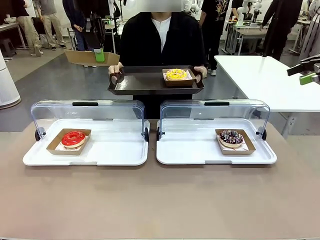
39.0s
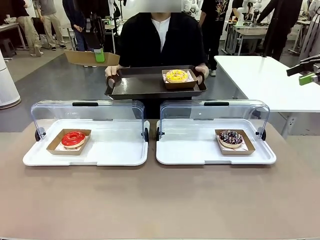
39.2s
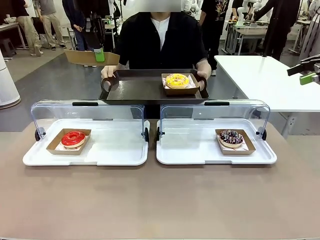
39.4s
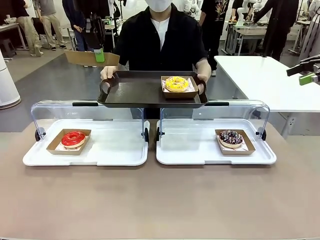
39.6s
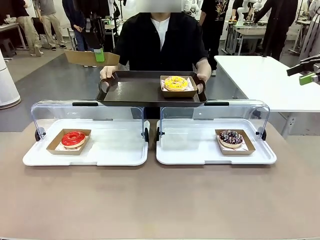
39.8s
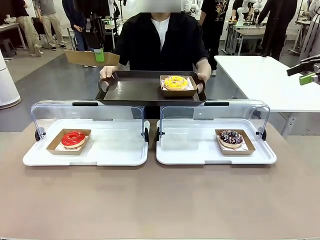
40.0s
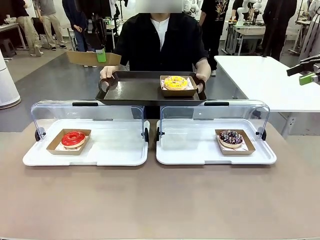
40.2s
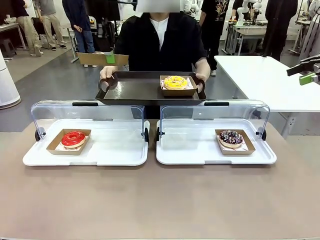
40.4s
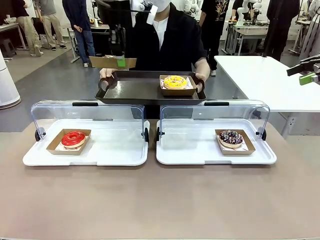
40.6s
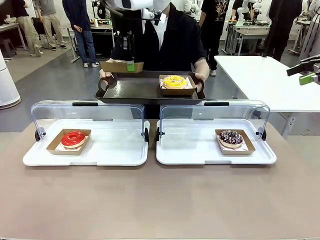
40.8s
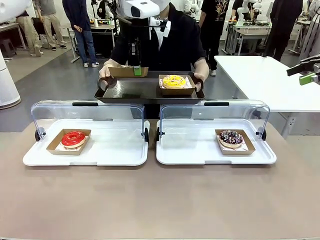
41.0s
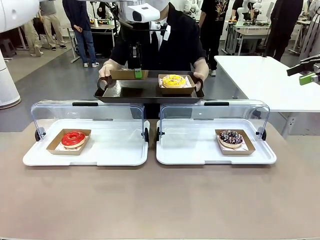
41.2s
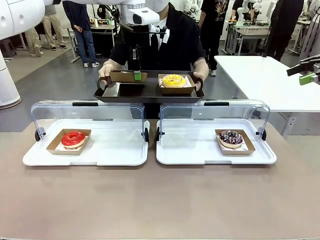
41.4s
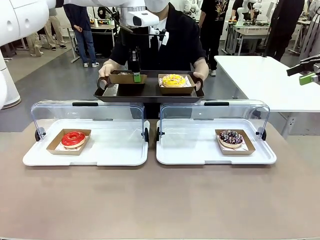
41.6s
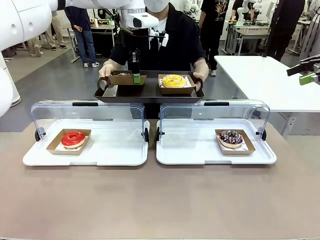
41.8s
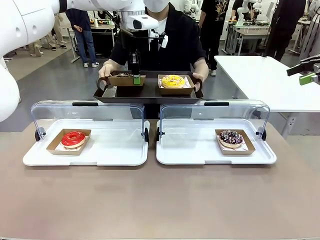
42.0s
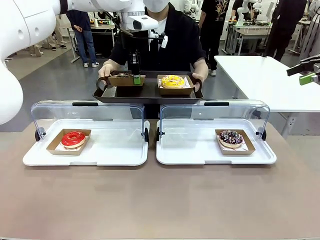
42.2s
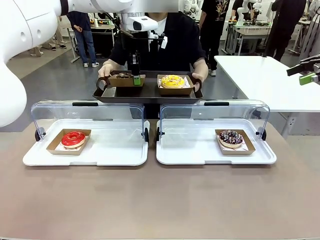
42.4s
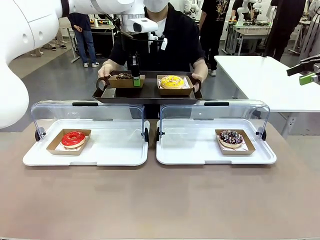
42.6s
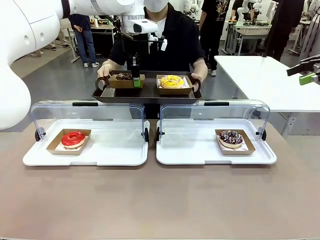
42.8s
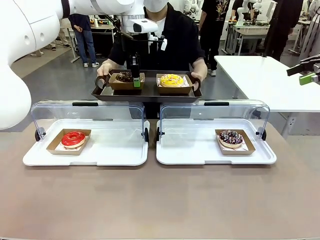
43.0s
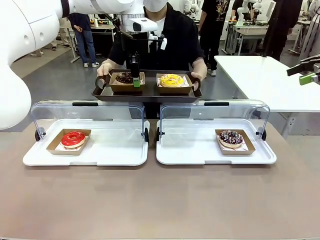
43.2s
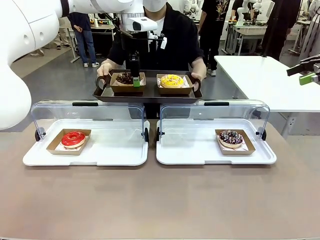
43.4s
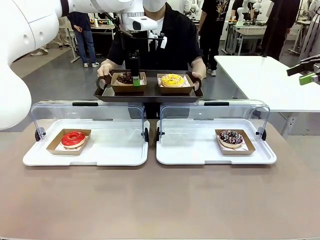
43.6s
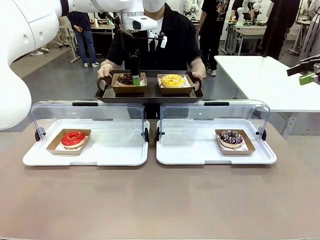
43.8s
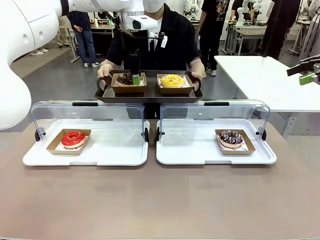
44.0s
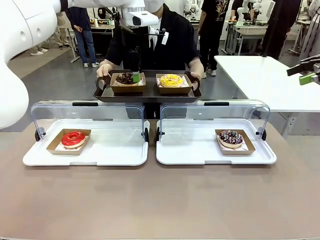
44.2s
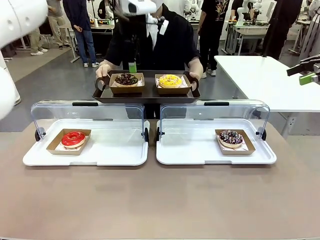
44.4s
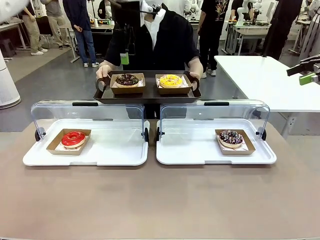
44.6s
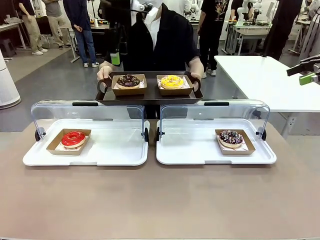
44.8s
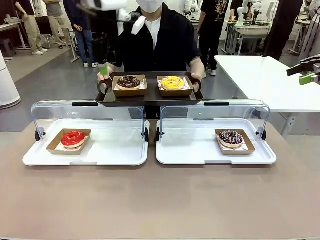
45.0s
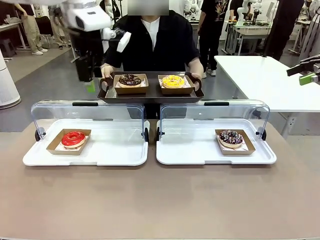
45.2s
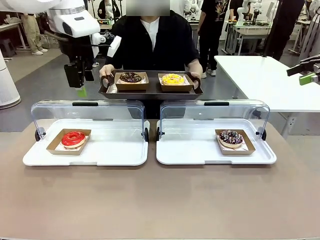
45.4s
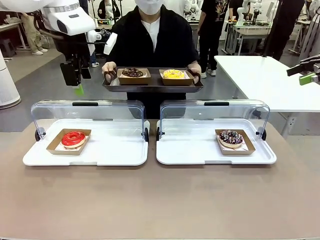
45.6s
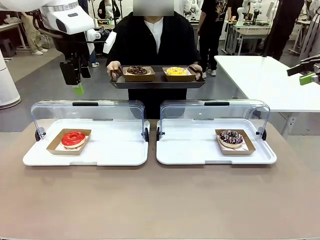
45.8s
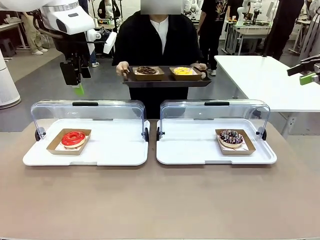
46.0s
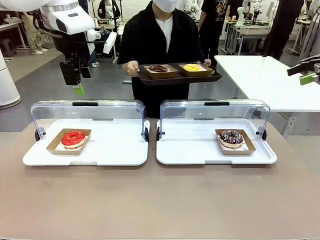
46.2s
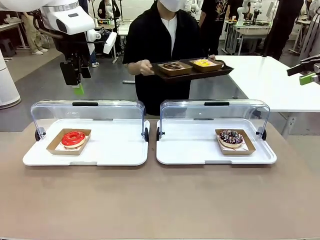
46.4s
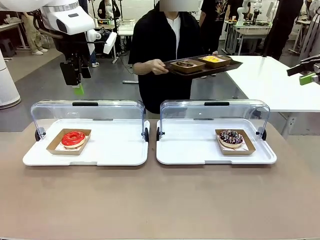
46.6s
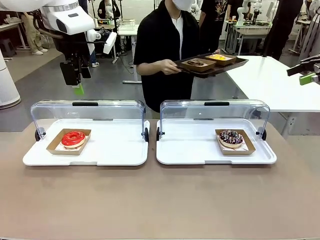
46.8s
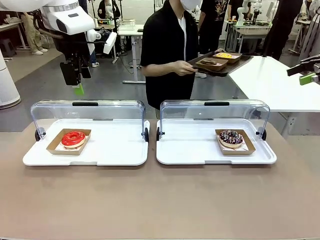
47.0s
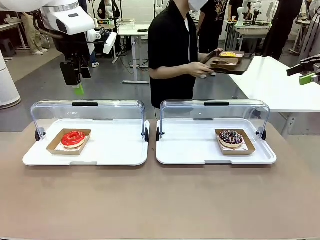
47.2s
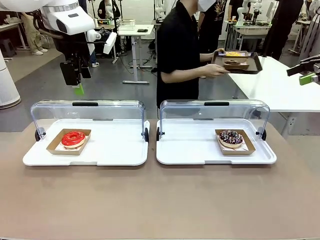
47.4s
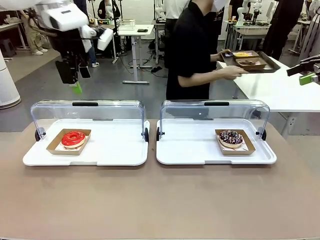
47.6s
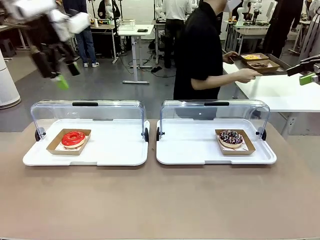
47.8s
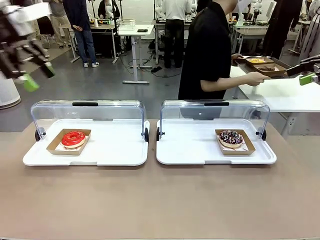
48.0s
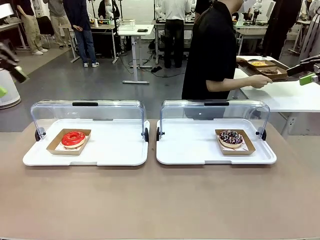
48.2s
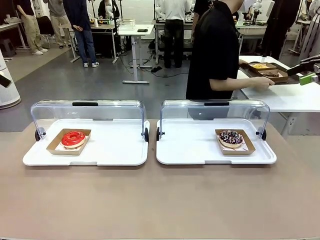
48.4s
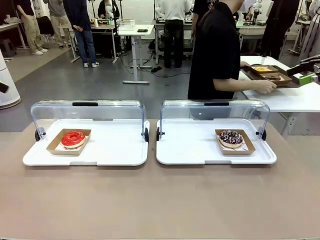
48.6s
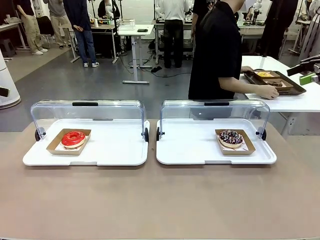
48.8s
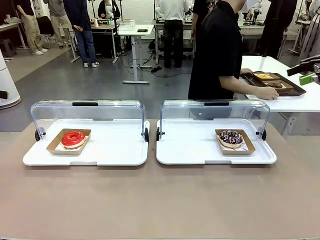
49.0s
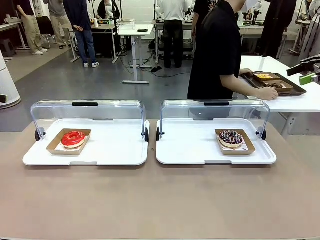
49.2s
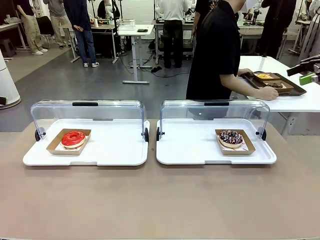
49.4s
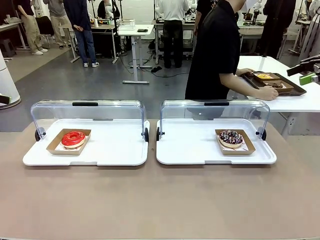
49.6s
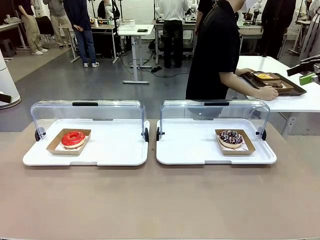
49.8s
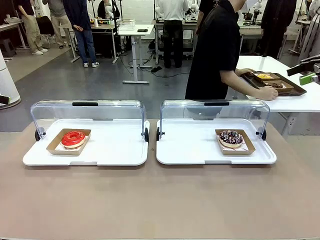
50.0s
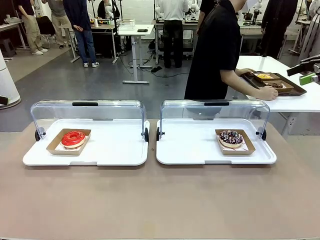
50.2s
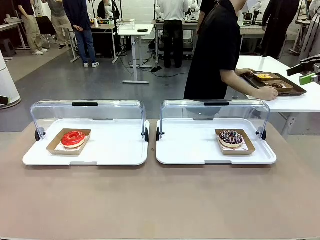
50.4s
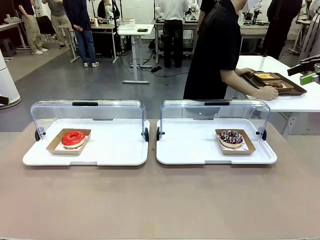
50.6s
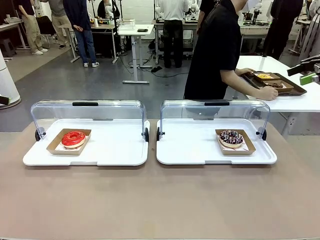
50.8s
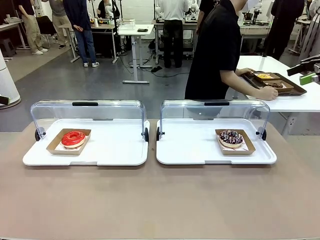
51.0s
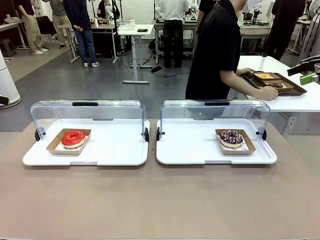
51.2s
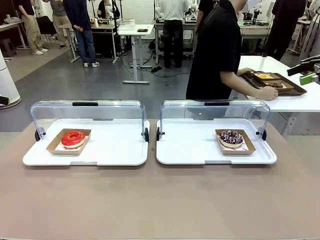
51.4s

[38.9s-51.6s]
Task: Provide the desired donut to the person.
Robot: Place the picked Paper togo box onto the Handle tray extended by the person.
Person: Place the tray in the middle of the human table.

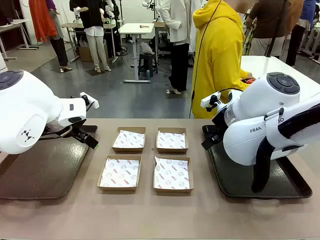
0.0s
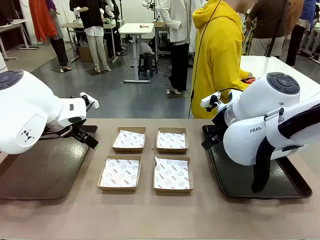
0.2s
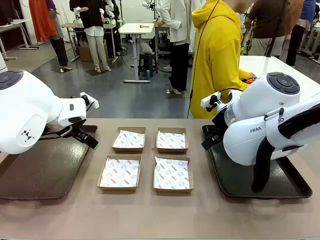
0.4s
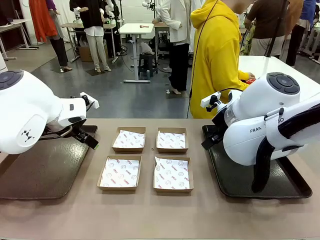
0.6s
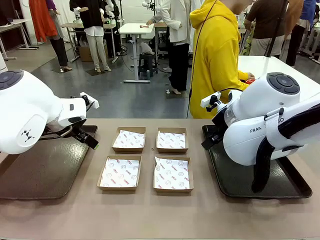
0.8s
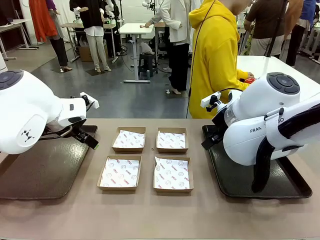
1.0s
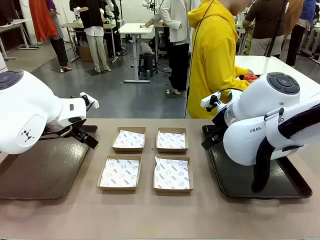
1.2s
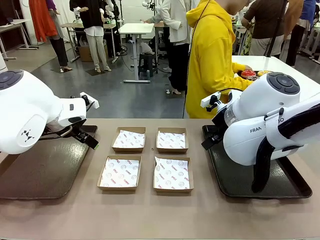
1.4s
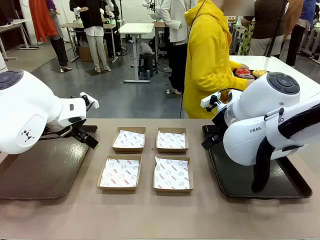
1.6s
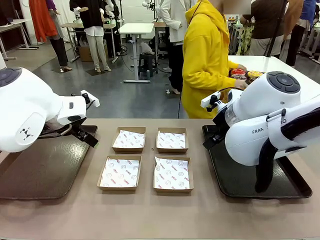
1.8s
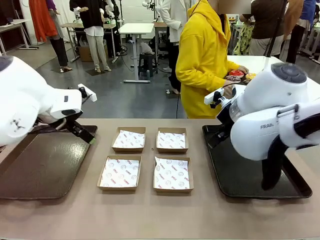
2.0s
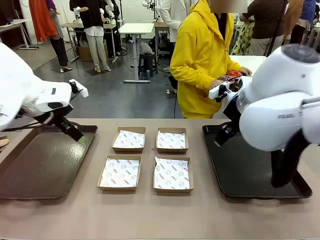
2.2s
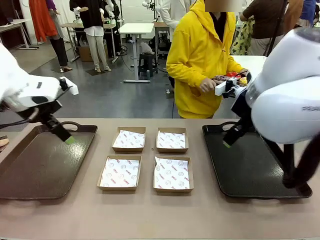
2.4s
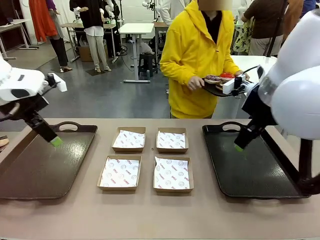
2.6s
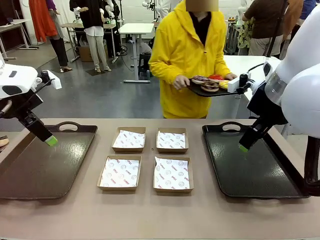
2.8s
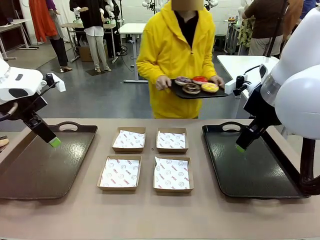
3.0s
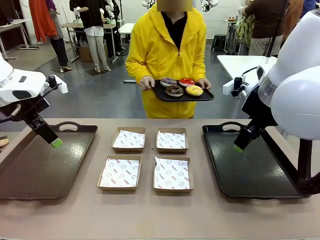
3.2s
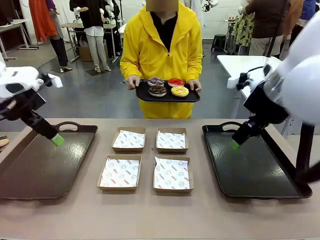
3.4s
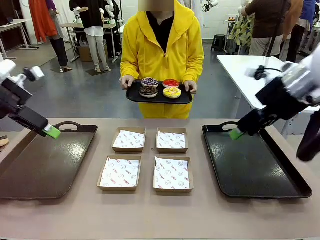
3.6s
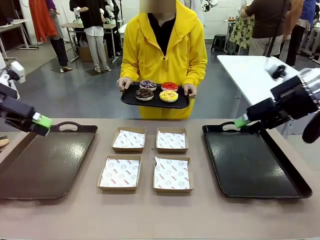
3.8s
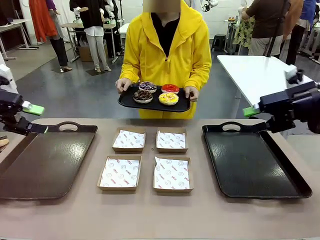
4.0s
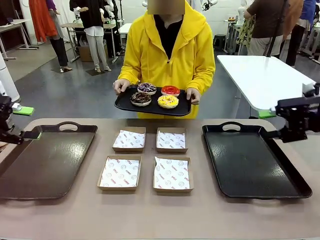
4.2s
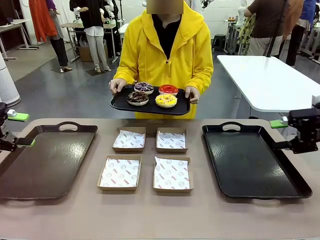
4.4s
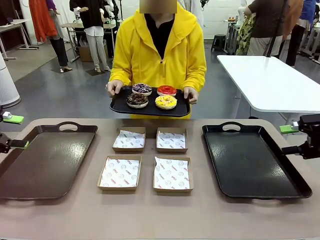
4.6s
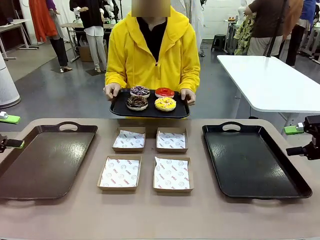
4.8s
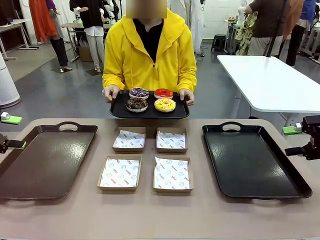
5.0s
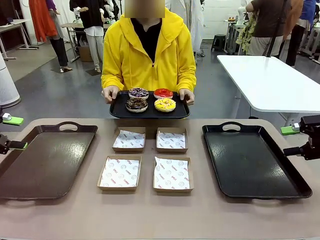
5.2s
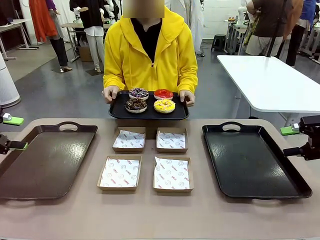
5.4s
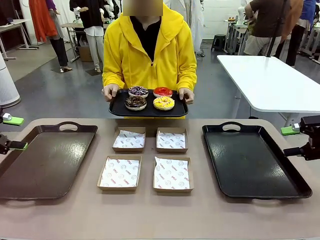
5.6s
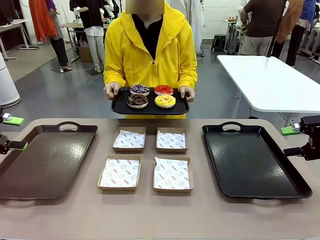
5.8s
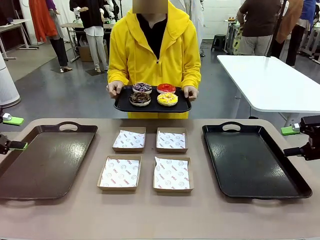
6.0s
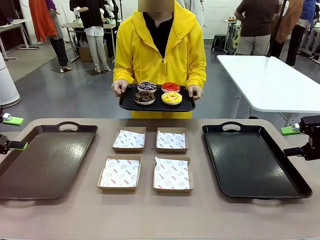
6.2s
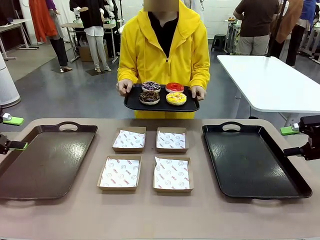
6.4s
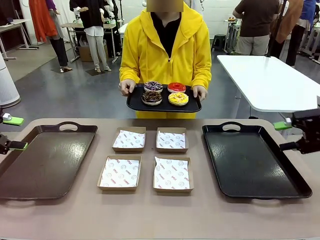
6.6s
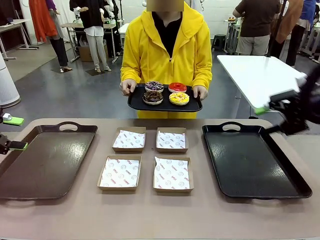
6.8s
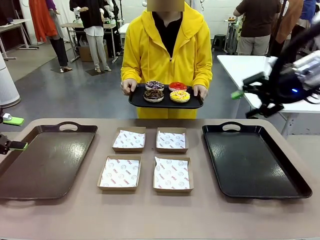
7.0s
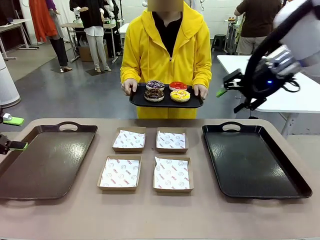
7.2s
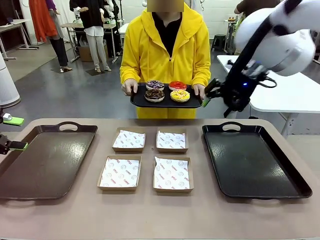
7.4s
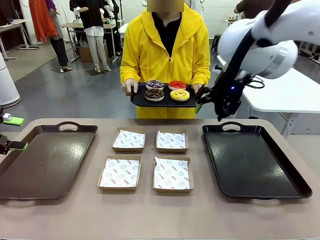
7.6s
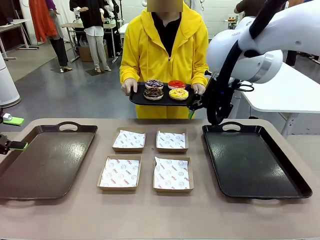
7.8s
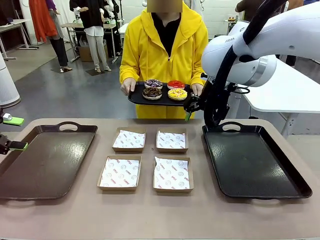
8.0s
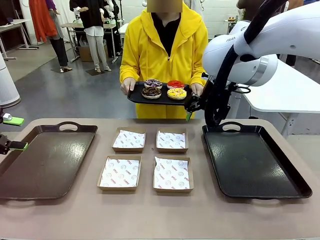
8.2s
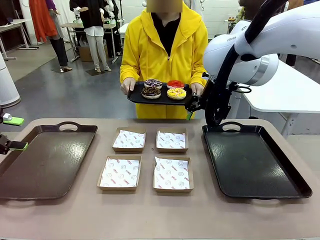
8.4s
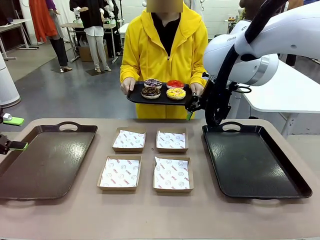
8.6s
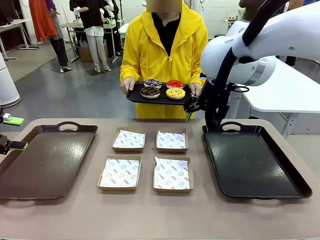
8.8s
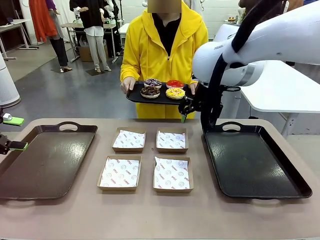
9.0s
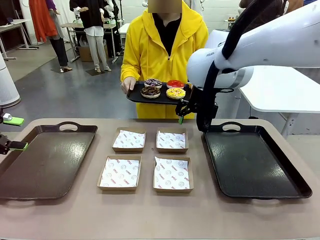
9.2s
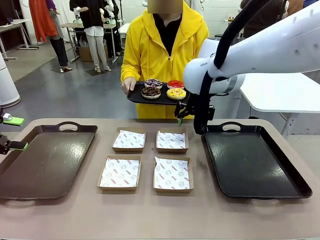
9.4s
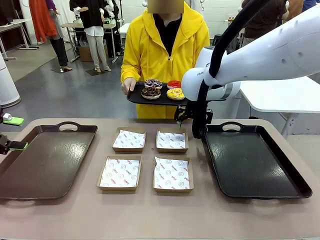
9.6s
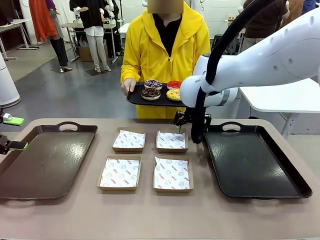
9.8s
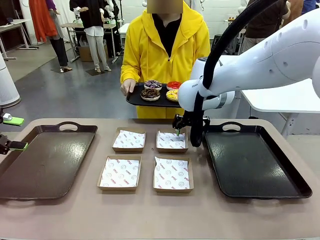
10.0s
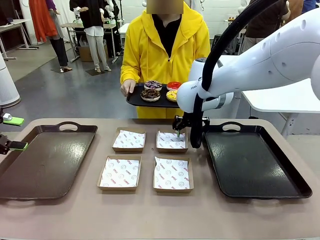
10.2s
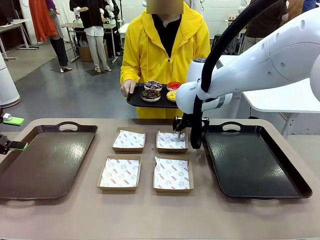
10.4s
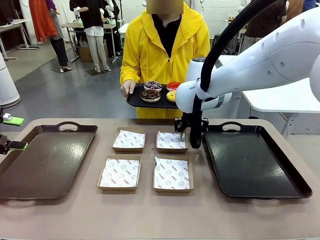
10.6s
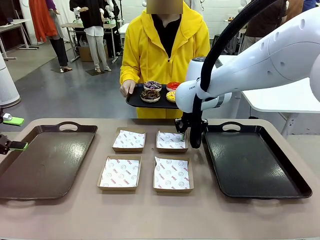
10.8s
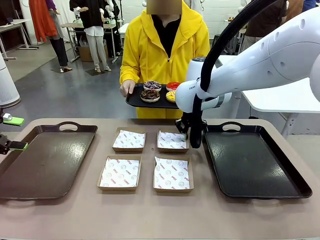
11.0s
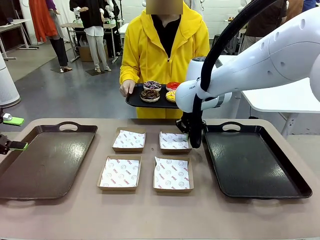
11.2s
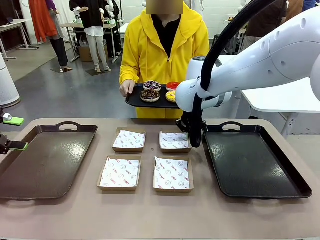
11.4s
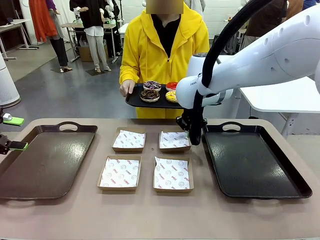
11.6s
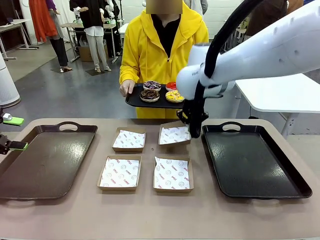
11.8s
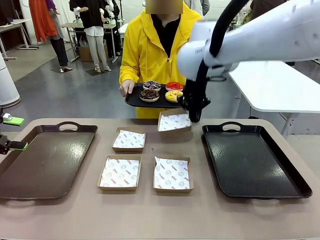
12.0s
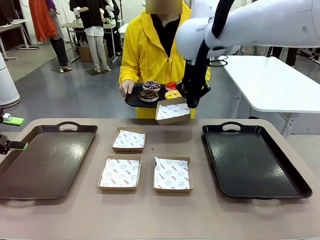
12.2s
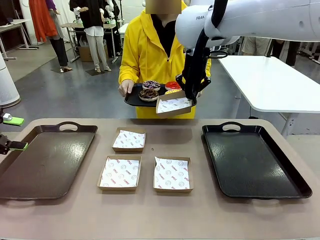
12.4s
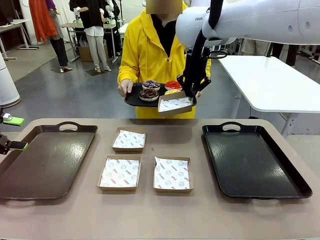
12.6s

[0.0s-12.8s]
Task: Individually package the donuts and arrange them on the tray.
Robot: Pick up one Paper togo box.
Person: Stand in front of the robot table holding the tray containing the donuts.
